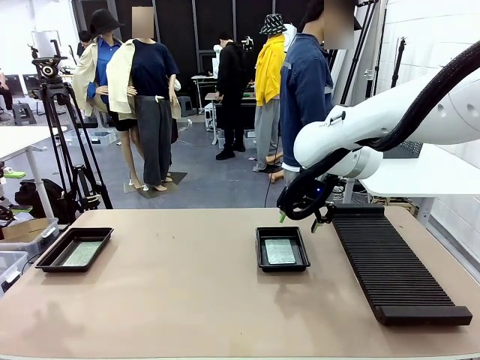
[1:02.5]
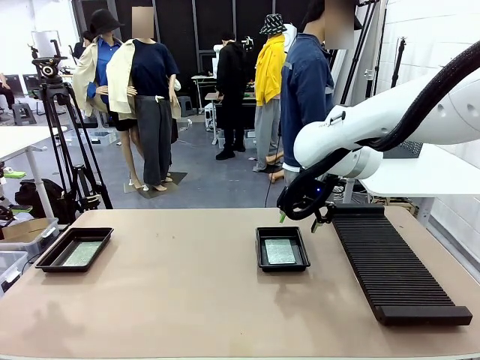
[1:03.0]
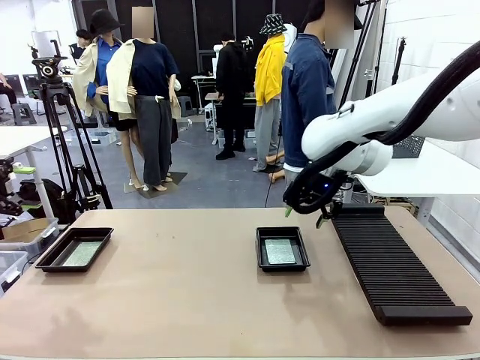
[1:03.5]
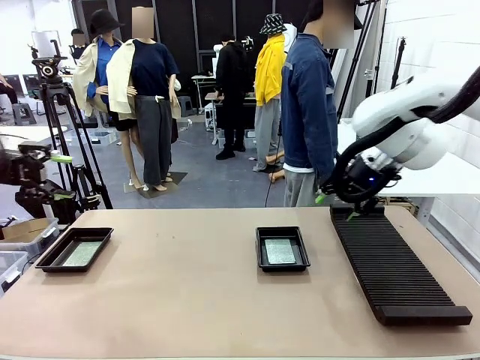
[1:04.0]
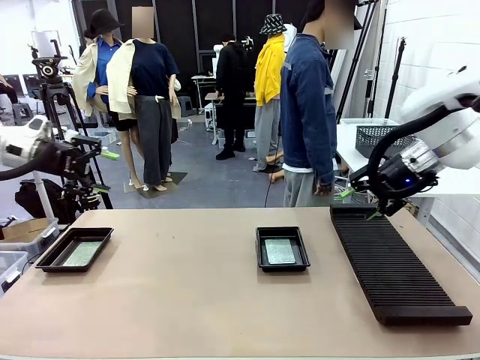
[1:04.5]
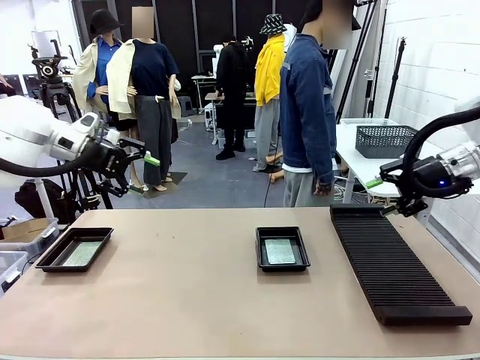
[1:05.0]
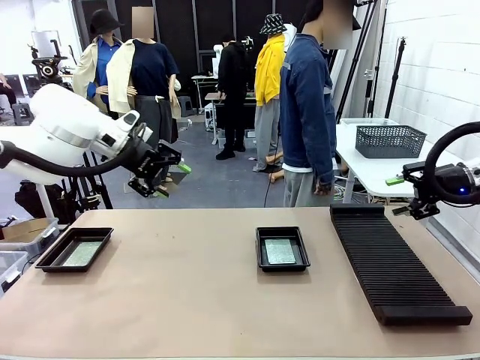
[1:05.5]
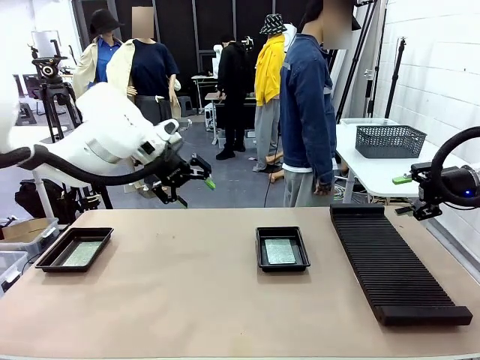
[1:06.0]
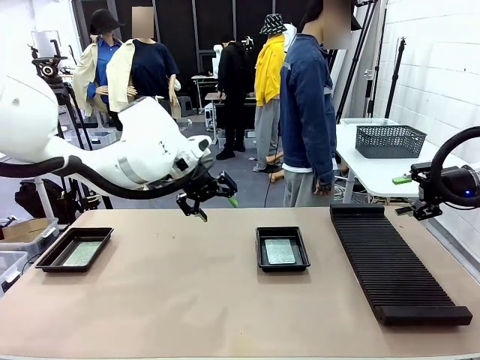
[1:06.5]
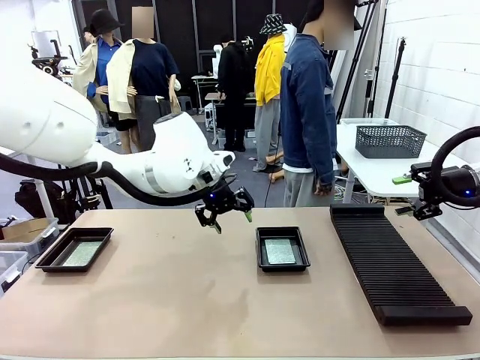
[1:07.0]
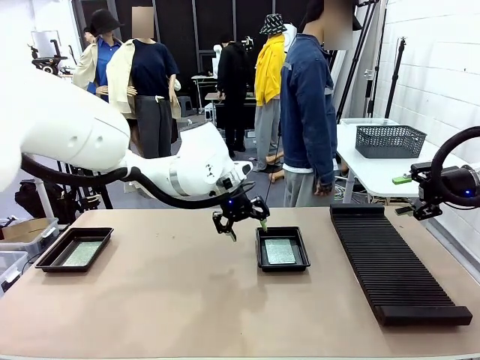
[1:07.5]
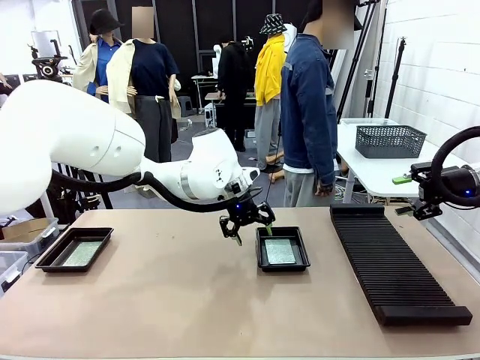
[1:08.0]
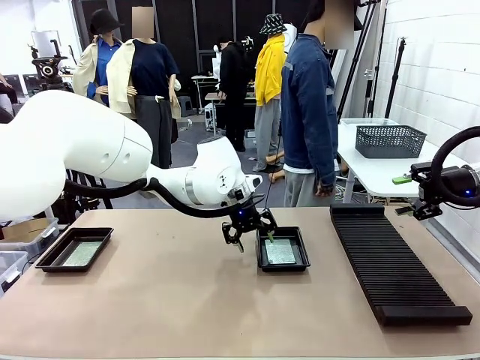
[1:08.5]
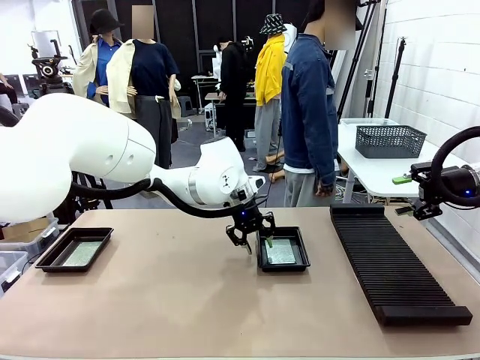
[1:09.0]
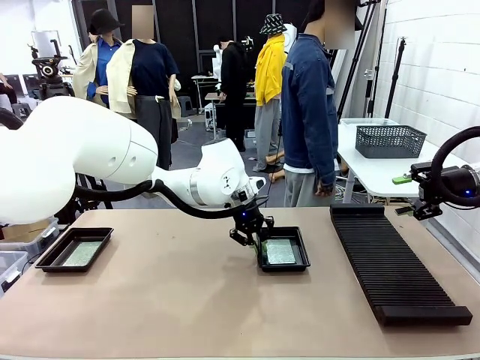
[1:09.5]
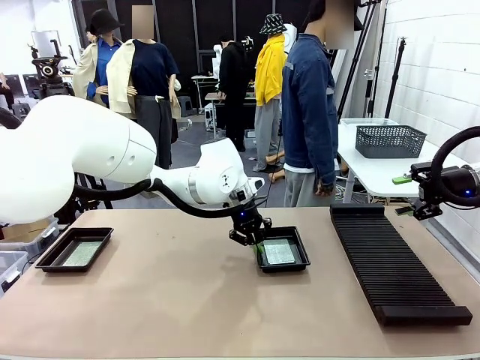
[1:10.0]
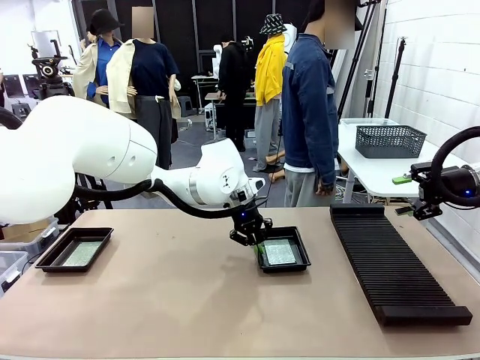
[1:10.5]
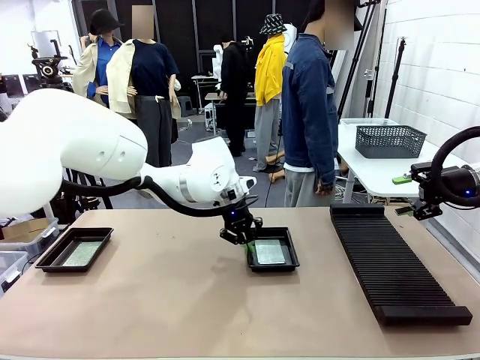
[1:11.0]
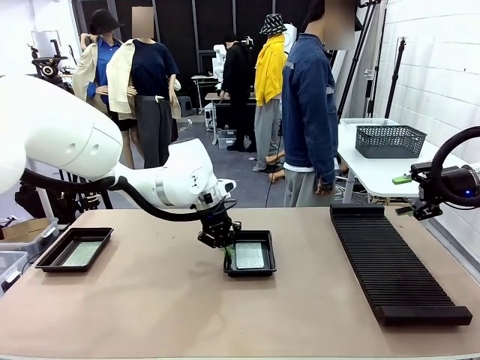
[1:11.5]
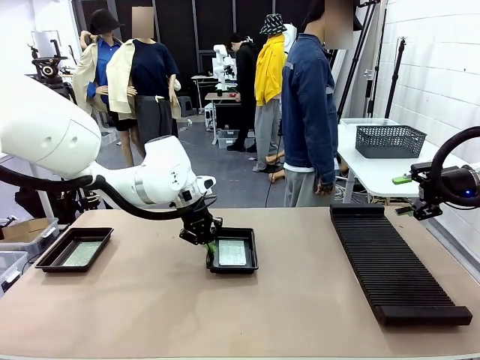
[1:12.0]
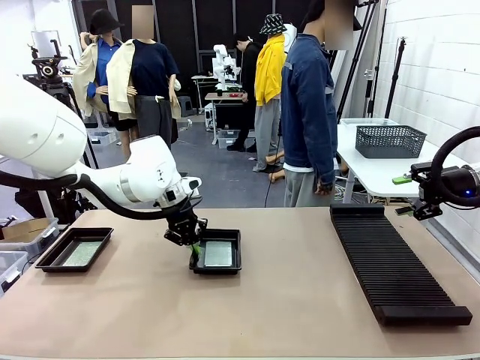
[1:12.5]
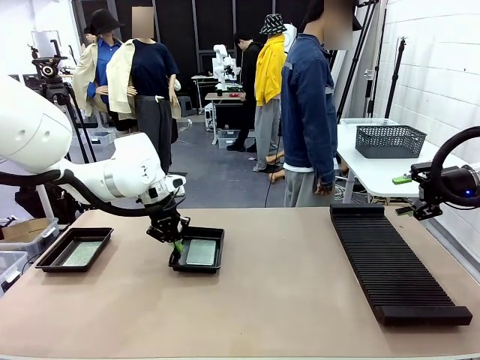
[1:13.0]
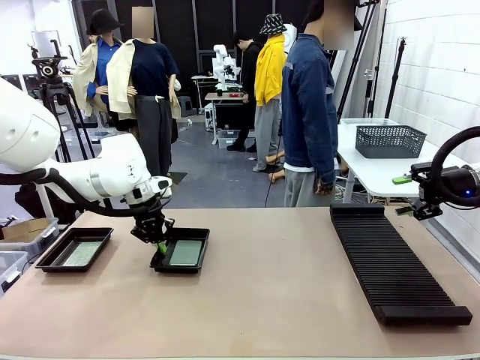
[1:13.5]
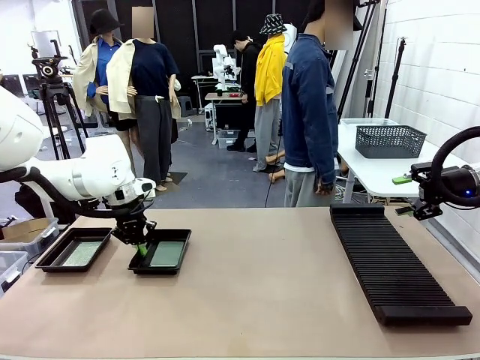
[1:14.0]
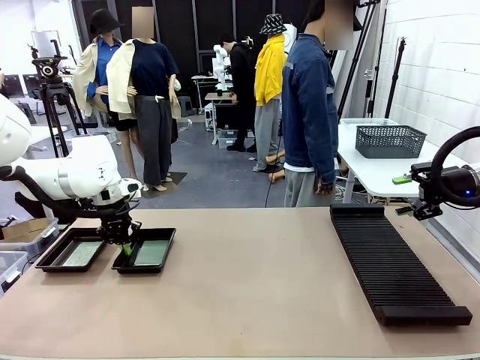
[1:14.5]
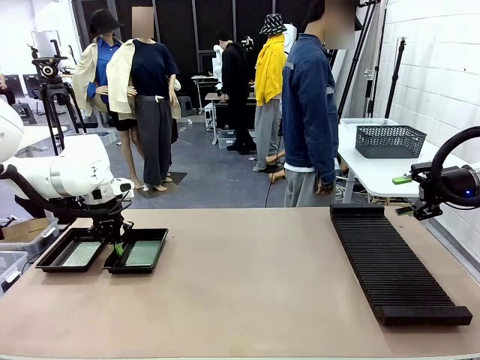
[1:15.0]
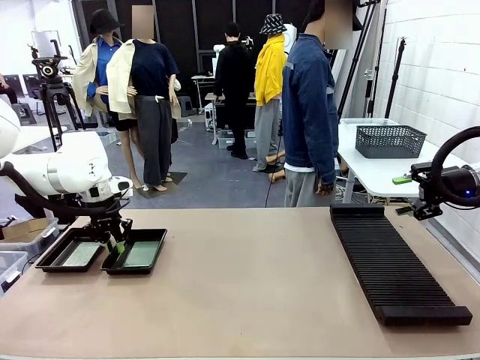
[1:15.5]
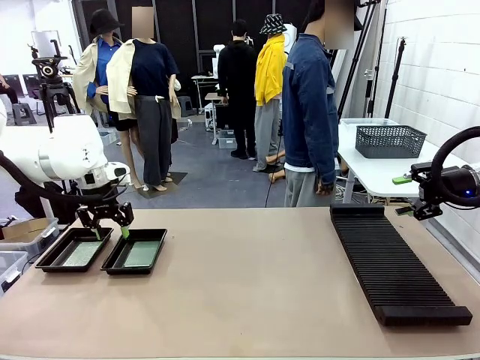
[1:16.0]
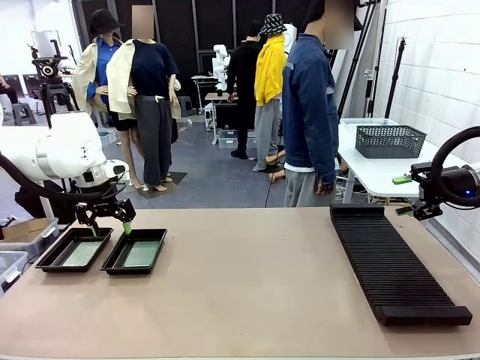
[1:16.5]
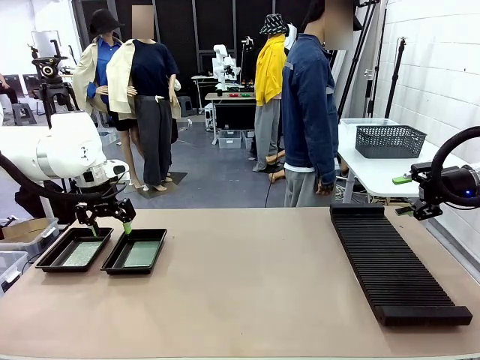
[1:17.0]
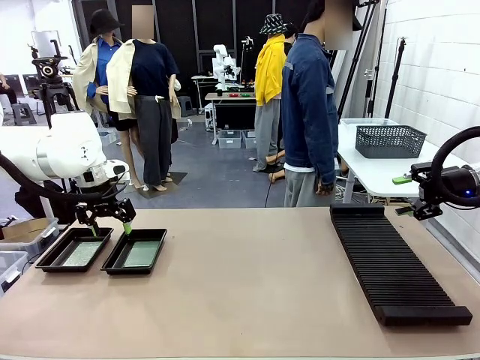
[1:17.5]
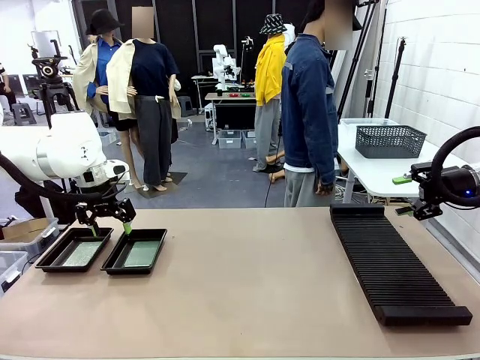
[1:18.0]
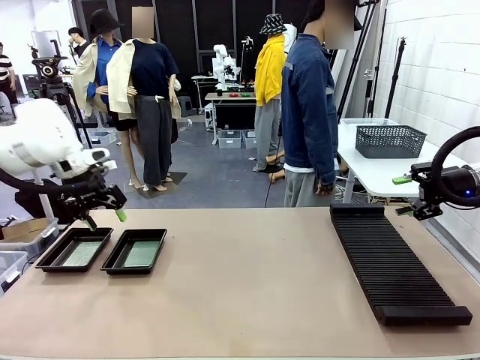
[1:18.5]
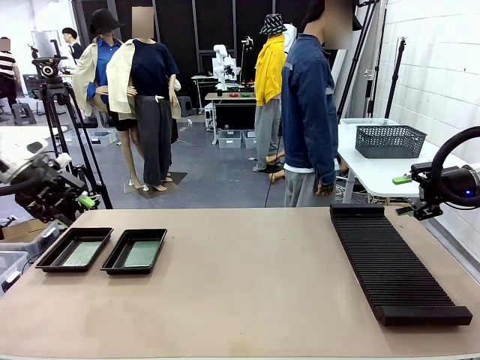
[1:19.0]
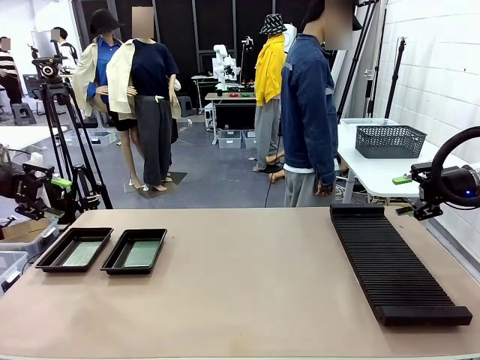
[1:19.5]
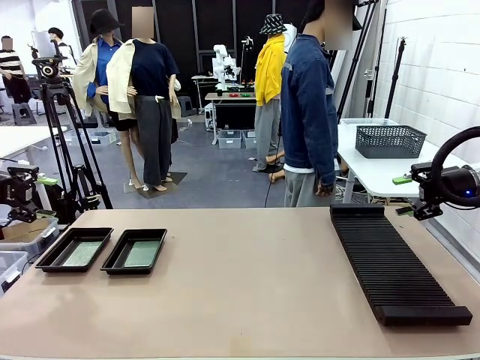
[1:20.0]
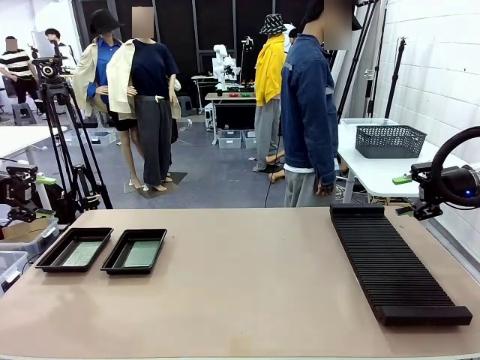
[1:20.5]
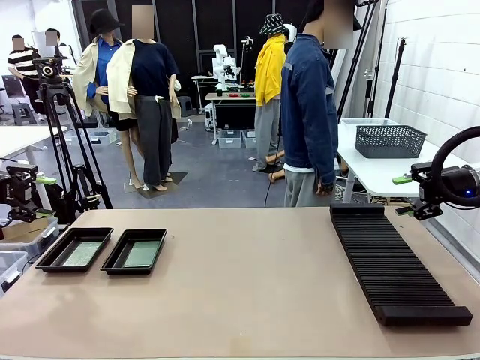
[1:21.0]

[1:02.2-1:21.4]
Task: Inspect and transfer BCBs to ESD trays.
Robot: Pick up the ESD tray and place it on the left side of the table.

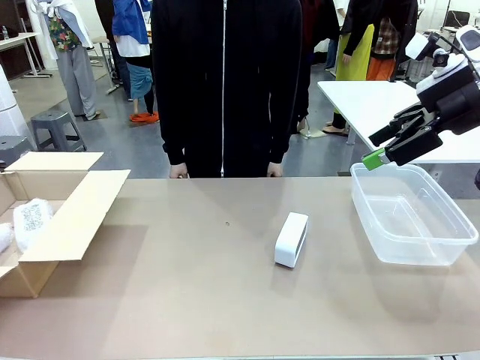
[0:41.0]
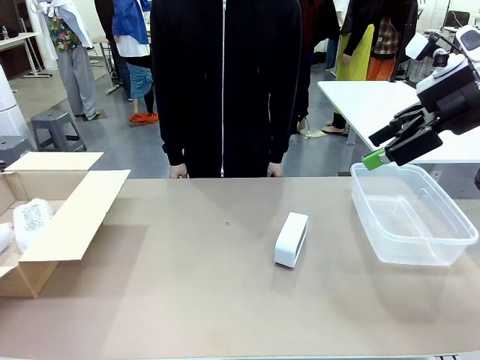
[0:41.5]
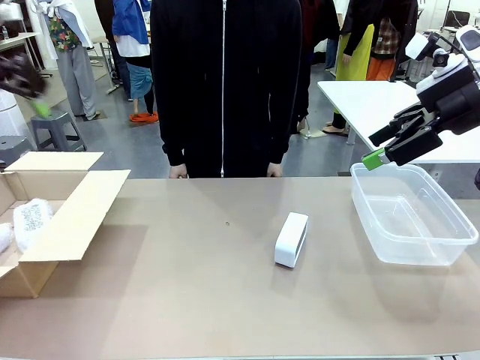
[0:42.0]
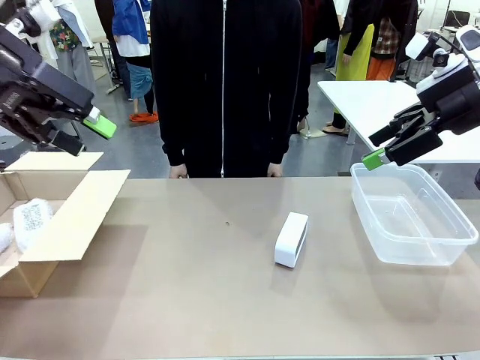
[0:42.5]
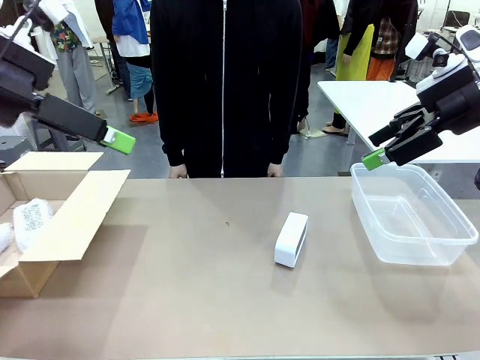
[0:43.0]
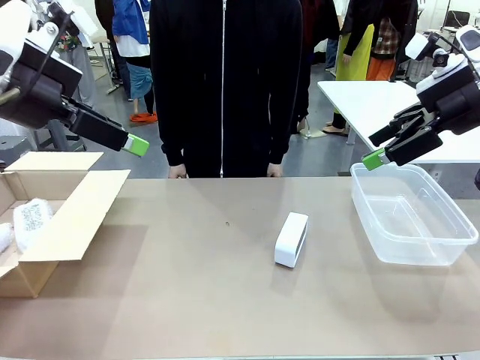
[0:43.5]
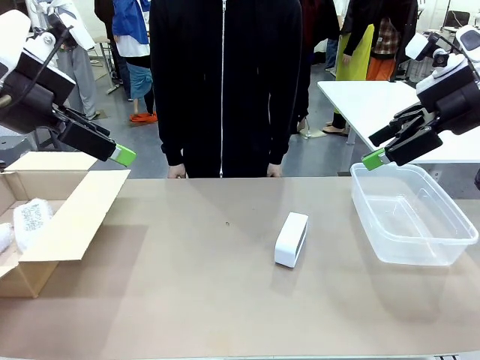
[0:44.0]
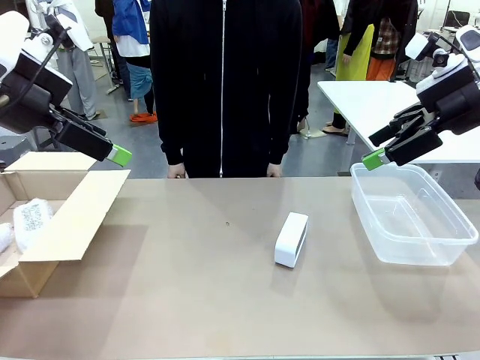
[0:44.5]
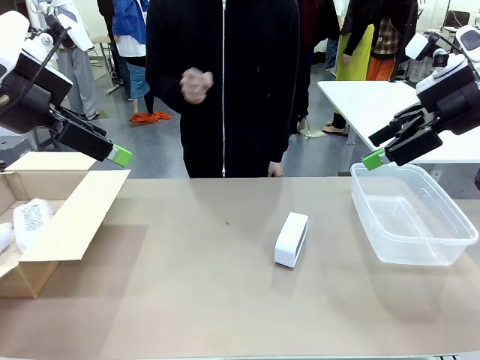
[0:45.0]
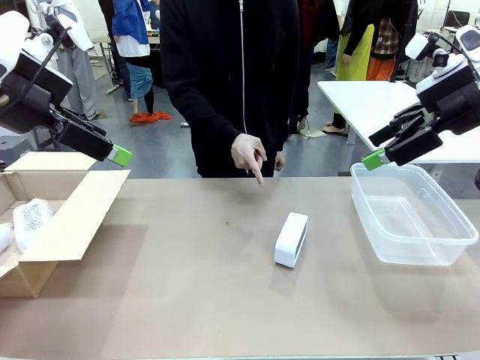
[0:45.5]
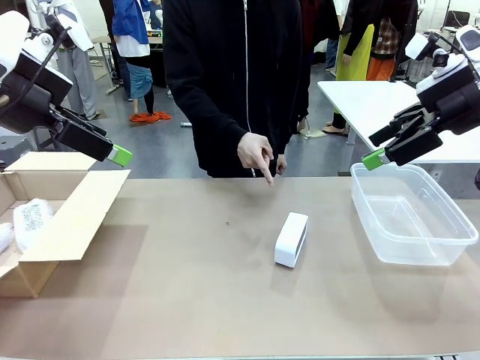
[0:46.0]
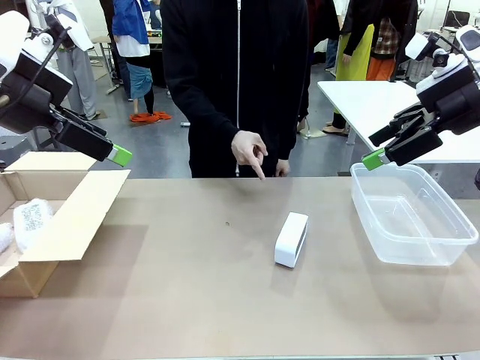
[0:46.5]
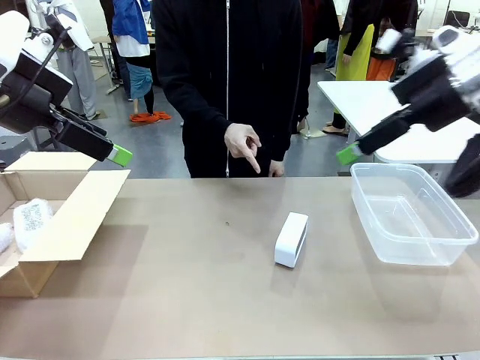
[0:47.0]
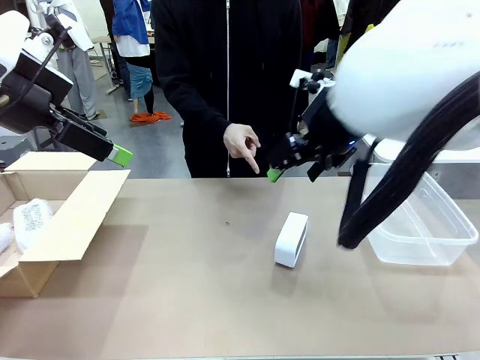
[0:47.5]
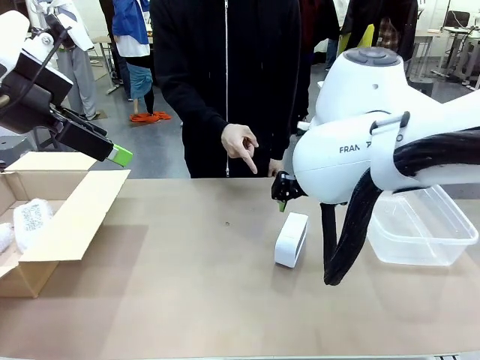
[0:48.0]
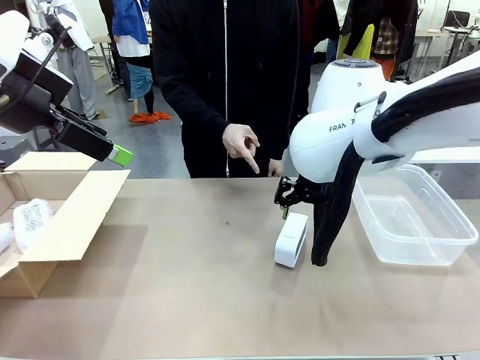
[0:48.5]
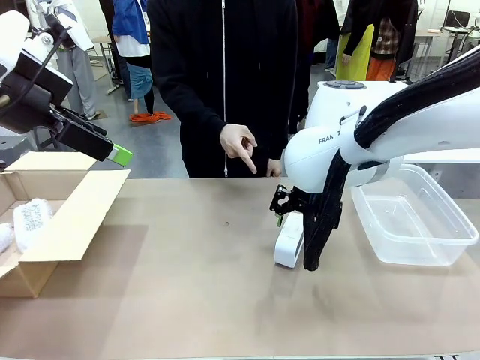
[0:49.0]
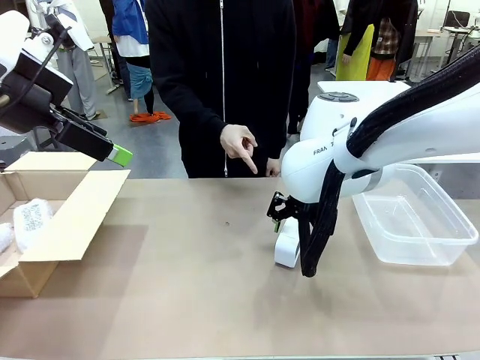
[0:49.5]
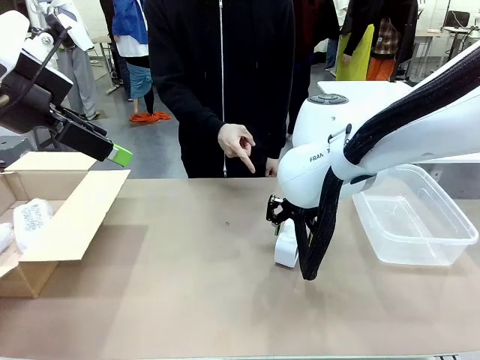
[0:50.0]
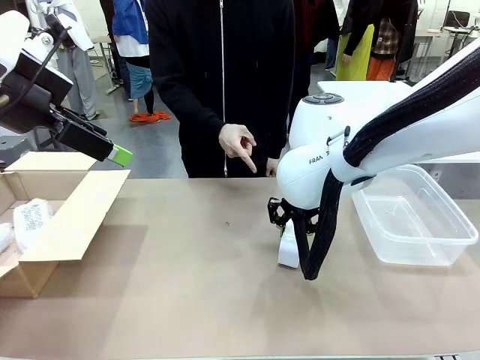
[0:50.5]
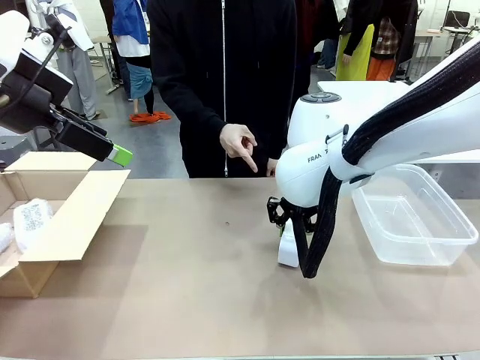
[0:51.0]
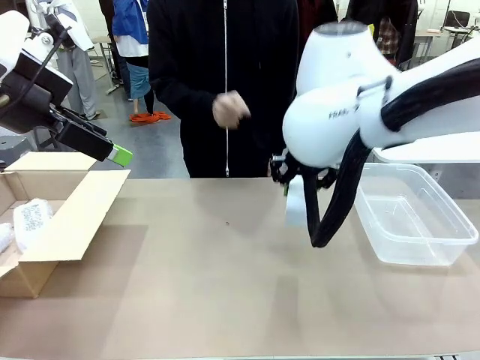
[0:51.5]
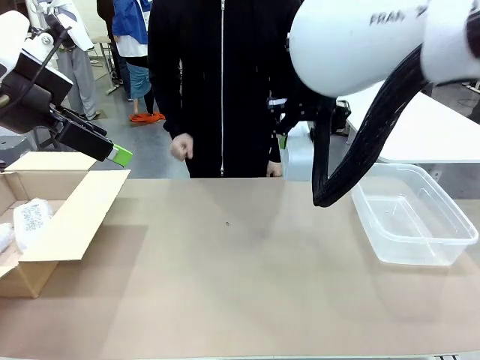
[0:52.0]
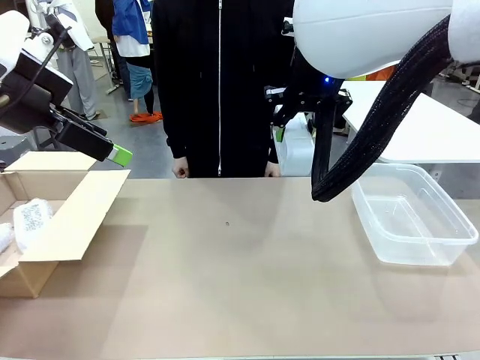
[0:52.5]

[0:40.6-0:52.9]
Task: Separate and place wrapped and unwrapped clocks.
Robot: Pick up the Digital clock indicated by the person.
